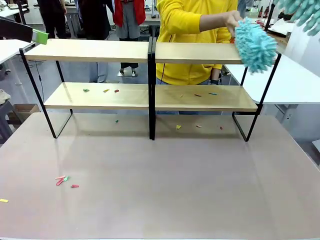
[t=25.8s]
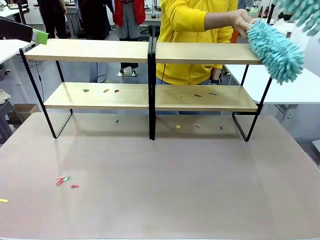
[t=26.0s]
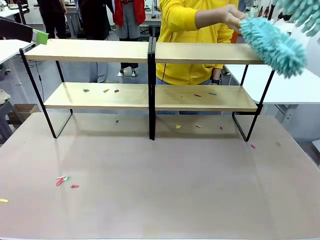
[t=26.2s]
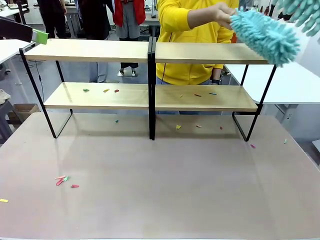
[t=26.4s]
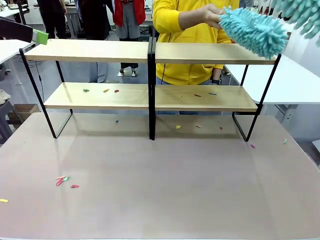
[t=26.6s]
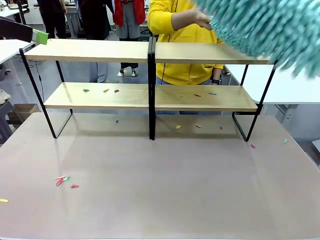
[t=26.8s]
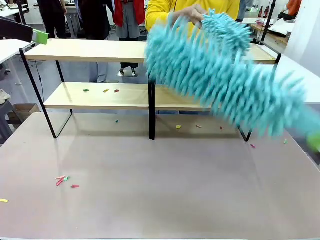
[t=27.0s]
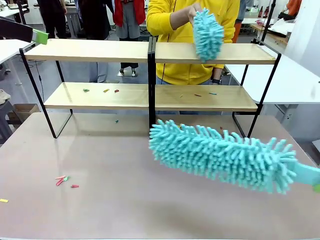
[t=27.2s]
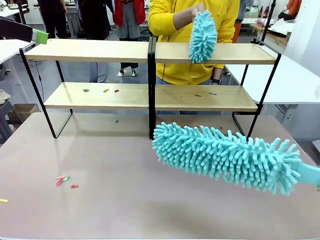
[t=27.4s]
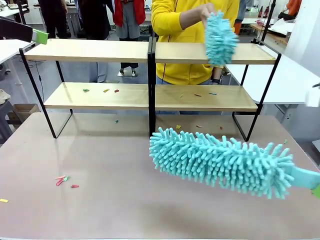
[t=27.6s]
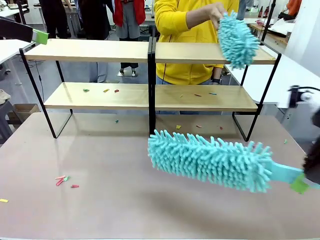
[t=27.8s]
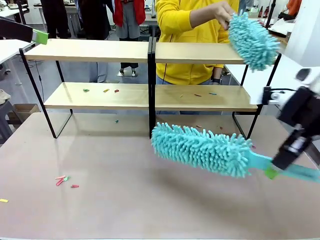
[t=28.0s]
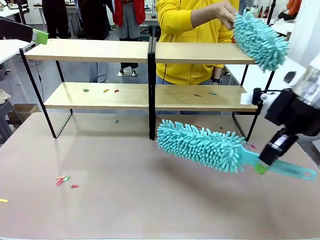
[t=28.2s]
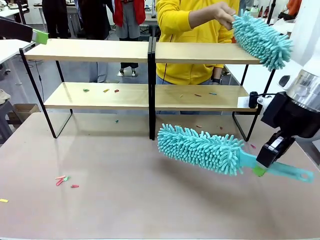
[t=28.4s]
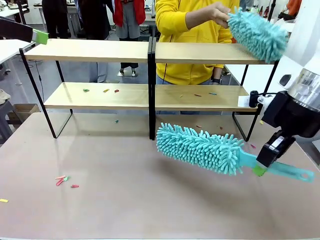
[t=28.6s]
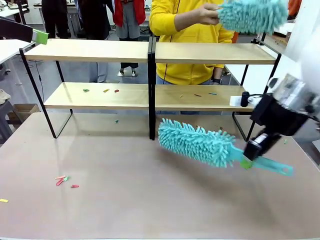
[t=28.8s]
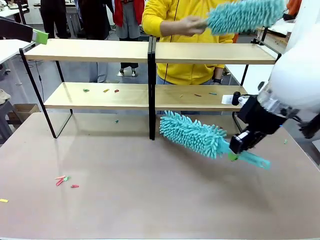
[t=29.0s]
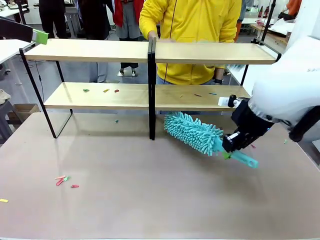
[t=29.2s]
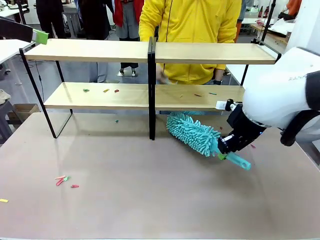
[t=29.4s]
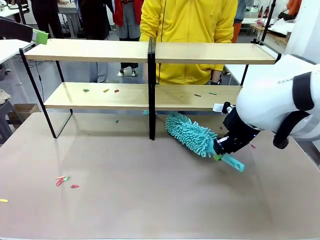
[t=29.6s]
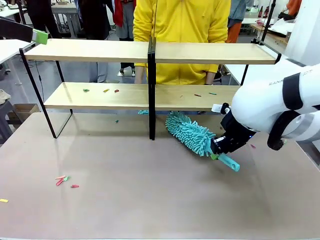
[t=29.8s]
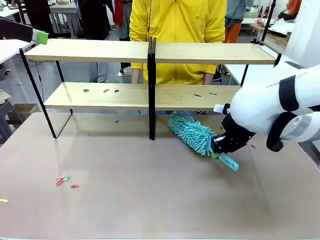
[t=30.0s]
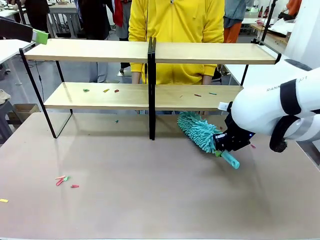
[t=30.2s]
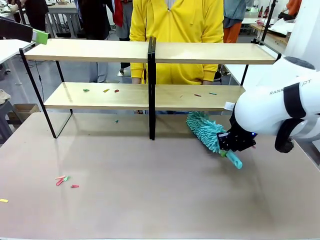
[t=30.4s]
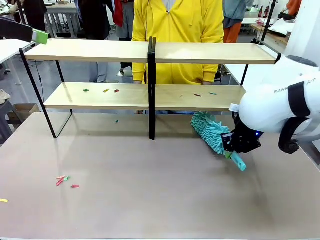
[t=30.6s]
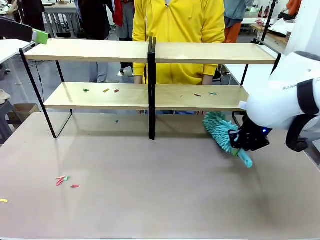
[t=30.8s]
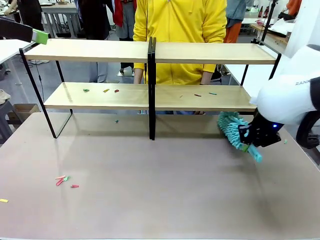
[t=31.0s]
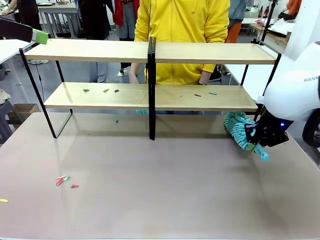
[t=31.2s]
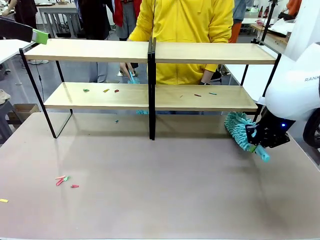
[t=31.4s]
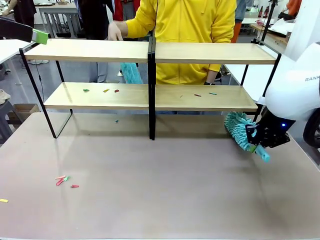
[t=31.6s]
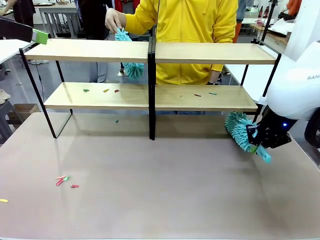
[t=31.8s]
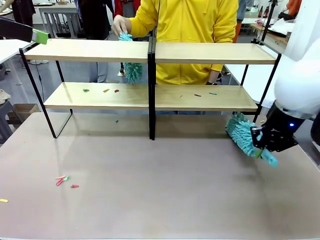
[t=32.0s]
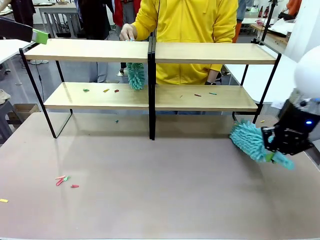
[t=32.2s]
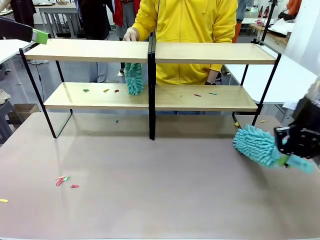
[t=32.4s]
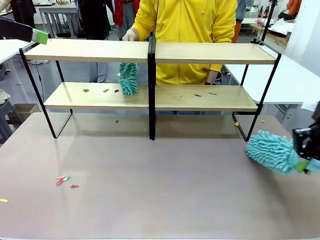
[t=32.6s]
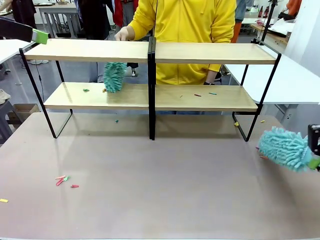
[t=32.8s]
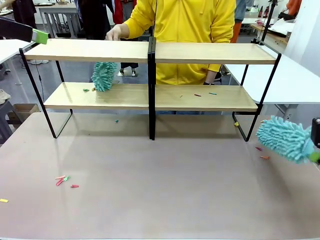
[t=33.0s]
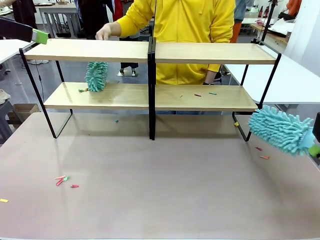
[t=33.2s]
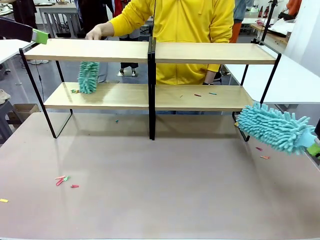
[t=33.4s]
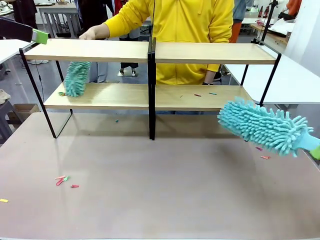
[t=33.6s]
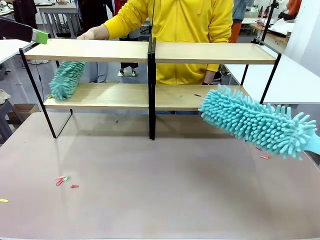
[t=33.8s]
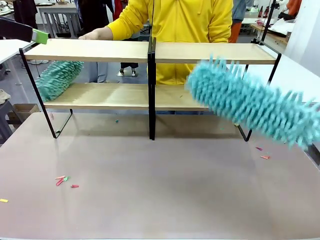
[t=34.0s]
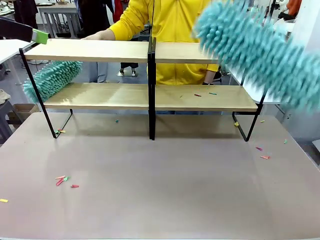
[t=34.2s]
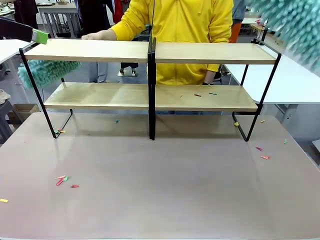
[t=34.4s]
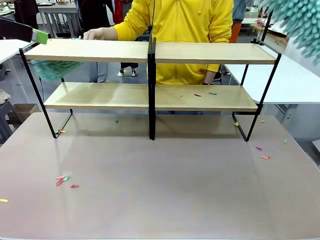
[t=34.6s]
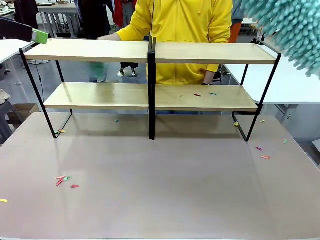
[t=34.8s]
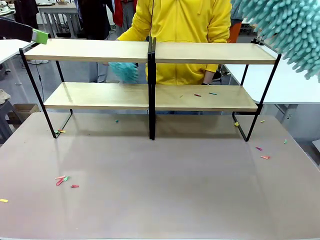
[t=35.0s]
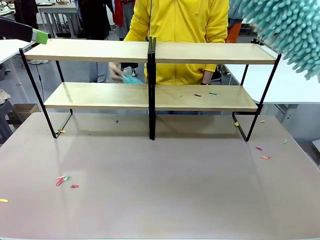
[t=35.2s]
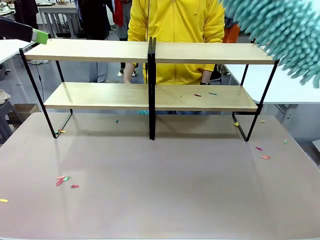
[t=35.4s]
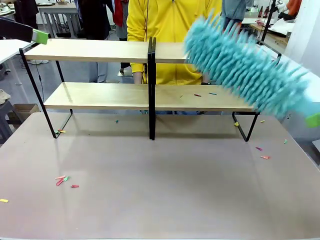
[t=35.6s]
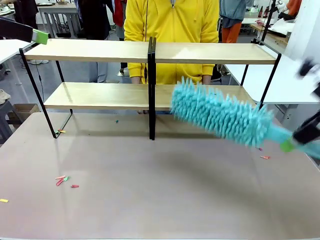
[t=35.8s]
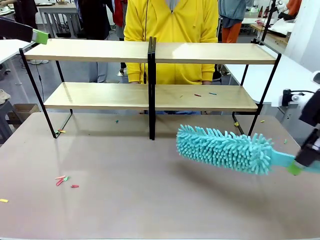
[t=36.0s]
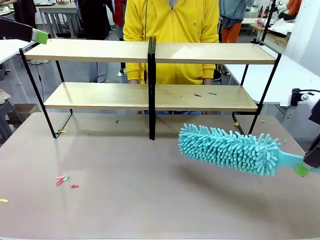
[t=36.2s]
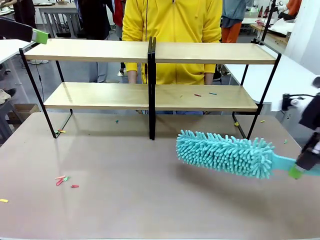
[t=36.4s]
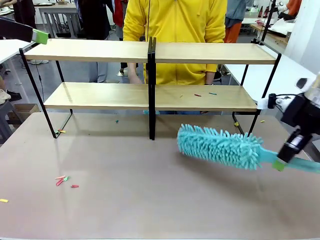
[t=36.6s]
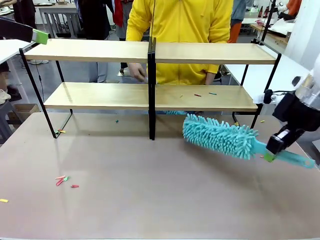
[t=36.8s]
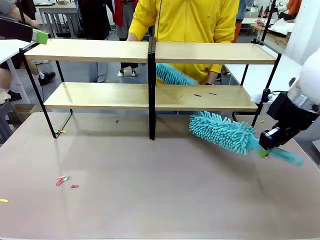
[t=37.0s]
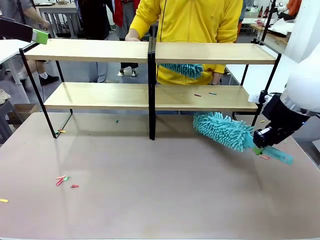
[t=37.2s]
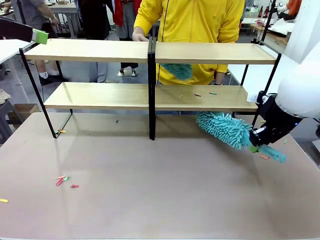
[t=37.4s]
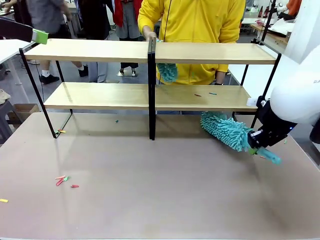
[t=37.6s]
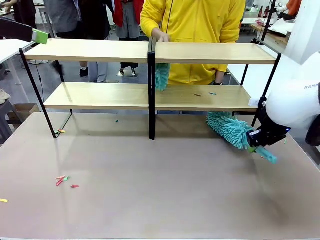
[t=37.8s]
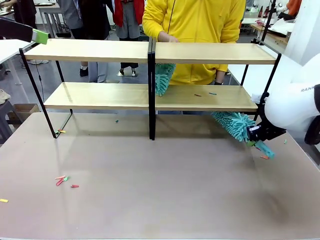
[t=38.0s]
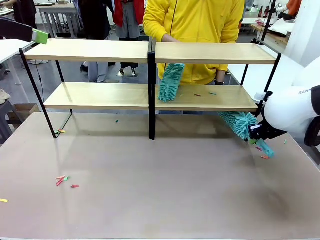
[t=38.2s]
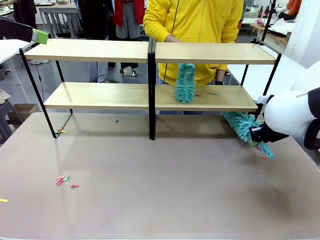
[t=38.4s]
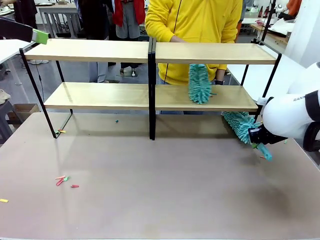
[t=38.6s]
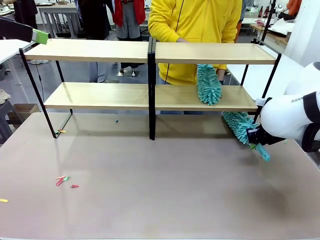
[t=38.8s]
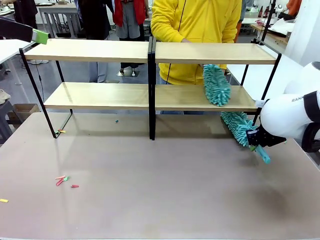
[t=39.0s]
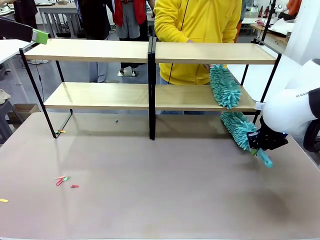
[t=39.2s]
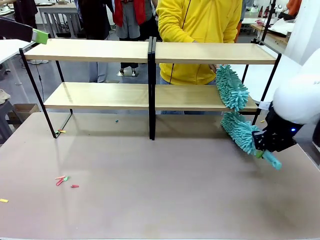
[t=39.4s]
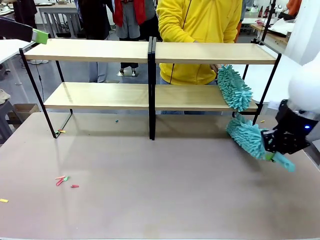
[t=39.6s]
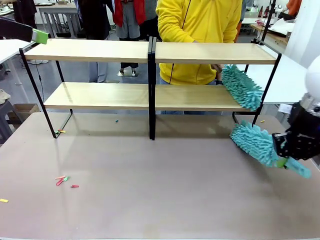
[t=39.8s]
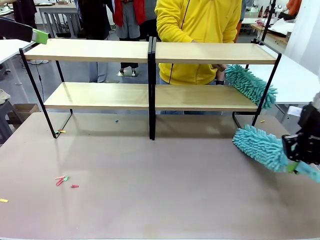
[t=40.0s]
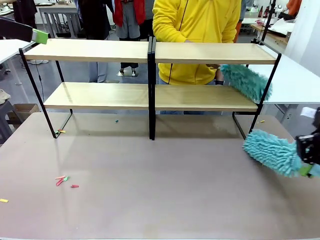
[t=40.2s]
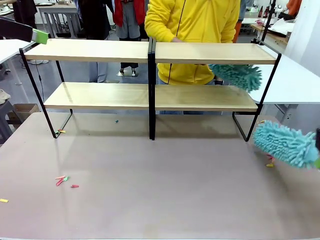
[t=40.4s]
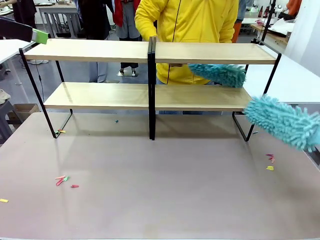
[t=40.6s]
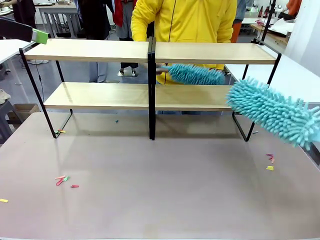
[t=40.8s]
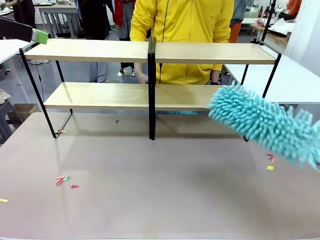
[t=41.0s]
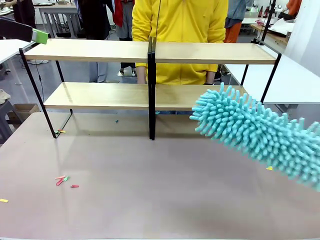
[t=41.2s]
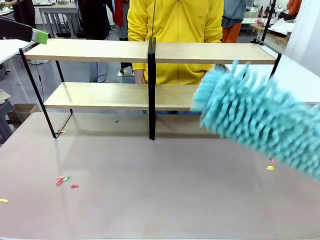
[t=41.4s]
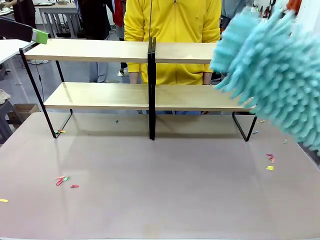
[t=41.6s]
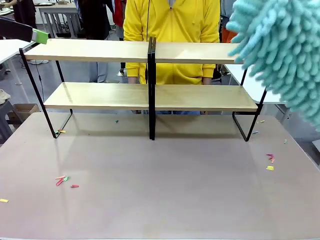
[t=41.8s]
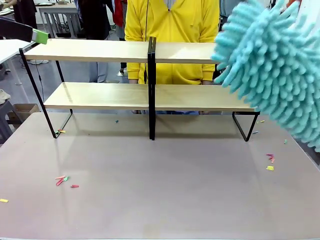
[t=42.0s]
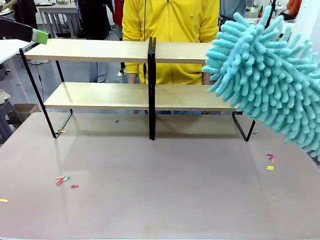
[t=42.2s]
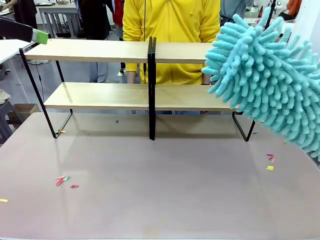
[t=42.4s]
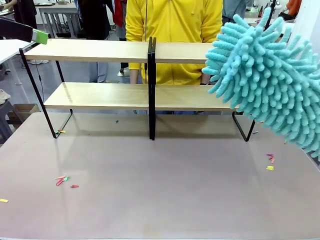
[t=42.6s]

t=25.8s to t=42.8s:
Task: Clean the shelves.
Robot: Clean another randomly selected level of the Shelf with the Duster.
Person: Clean a randomly selected level of the Shelf with the Duster.

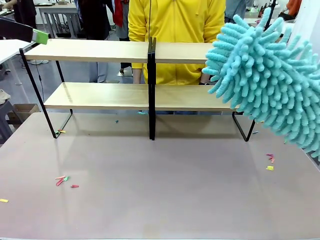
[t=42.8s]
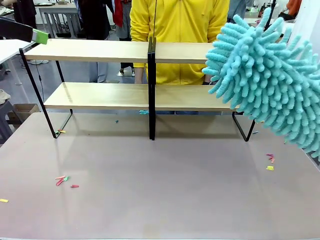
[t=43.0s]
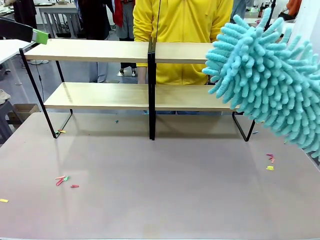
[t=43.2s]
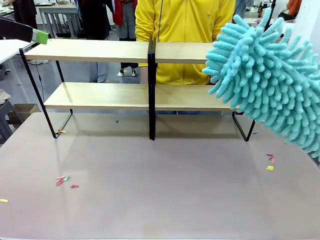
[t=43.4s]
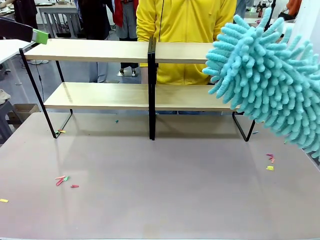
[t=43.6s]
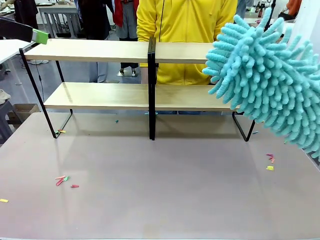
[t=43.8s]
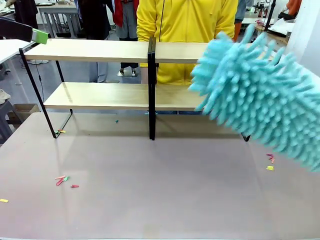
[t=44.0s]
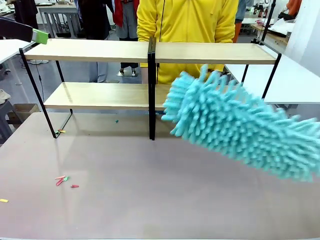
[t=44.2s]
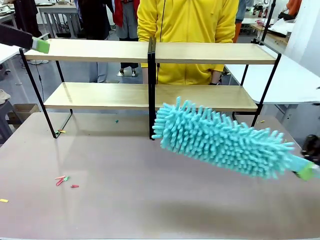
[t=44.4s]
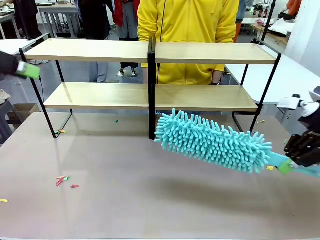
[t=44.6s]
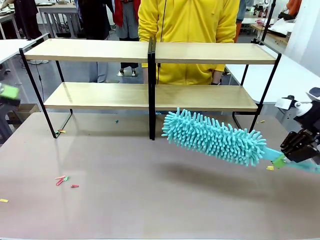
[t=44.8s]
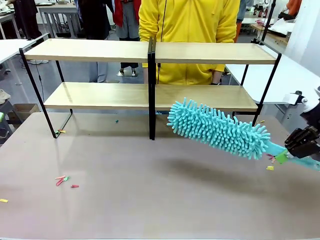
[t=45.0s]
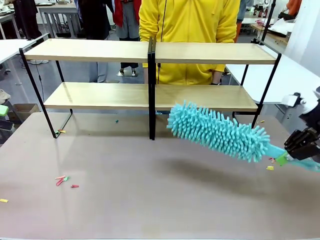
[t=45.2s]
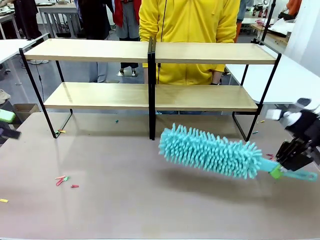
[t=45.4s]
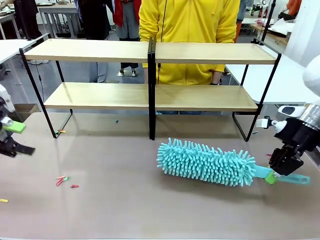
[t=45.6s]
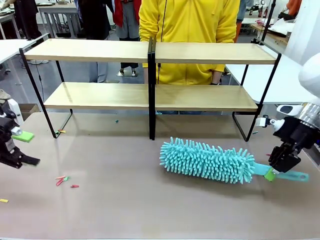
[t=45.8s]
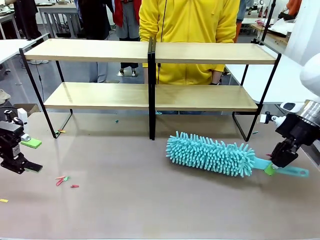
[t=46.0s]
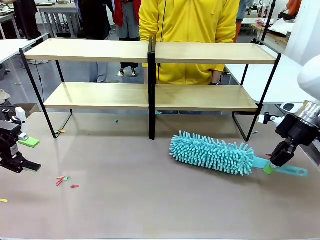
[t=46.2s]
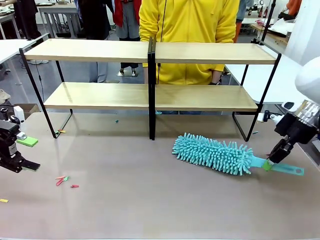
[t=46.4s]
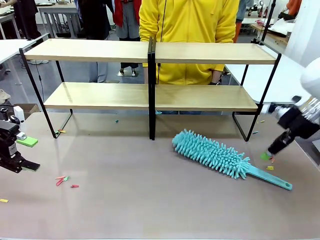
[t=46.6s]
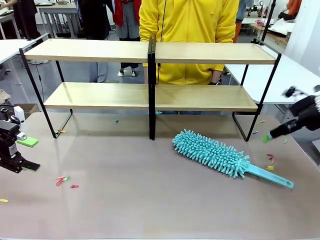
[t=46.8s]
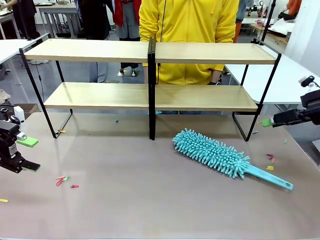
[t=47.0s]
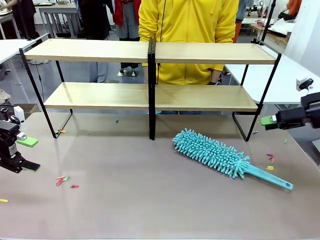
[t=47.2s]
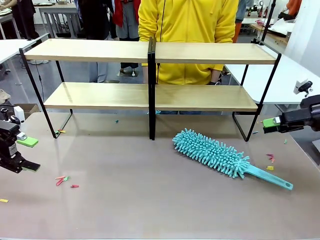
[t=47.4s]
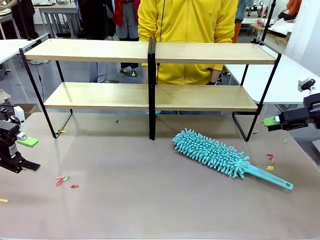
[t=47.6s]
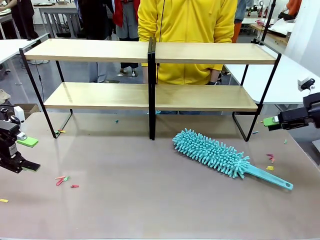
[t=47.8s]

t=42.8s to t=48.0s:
Robot: Place the Duster on the table.
